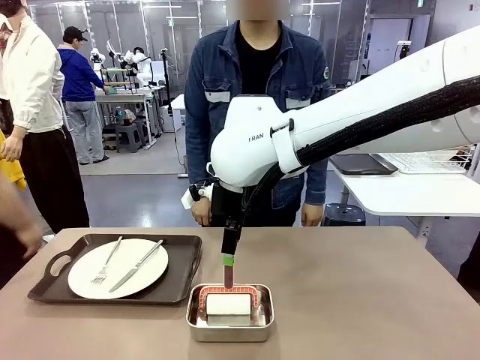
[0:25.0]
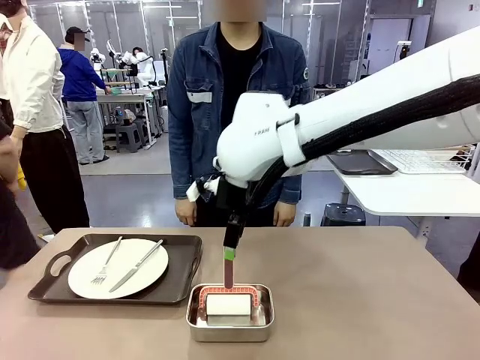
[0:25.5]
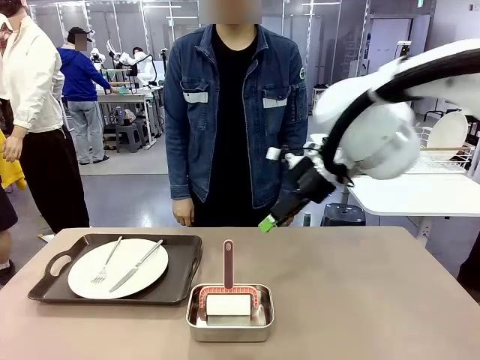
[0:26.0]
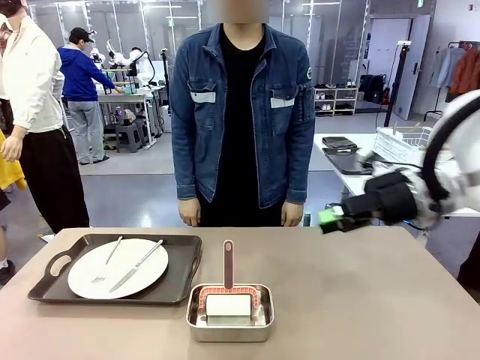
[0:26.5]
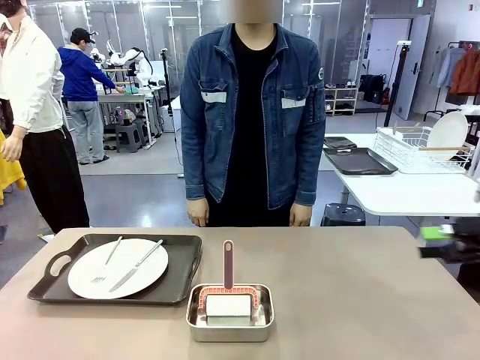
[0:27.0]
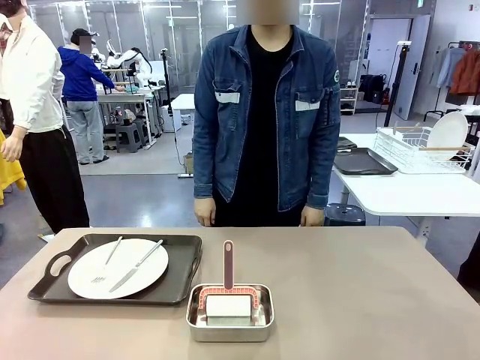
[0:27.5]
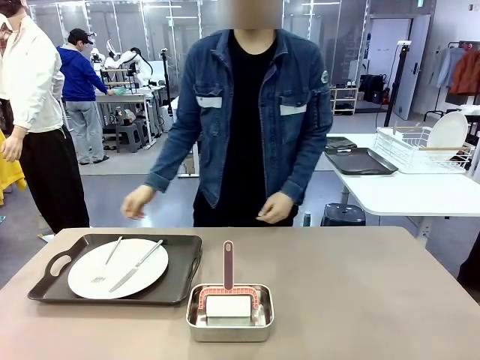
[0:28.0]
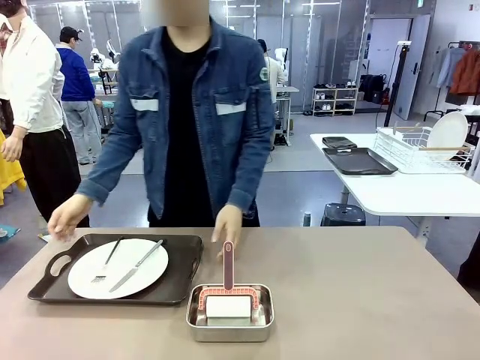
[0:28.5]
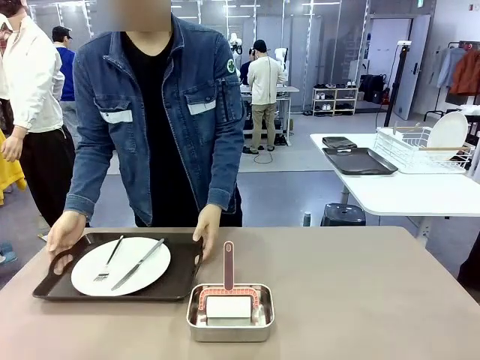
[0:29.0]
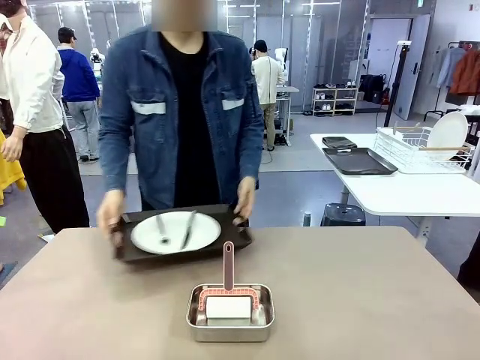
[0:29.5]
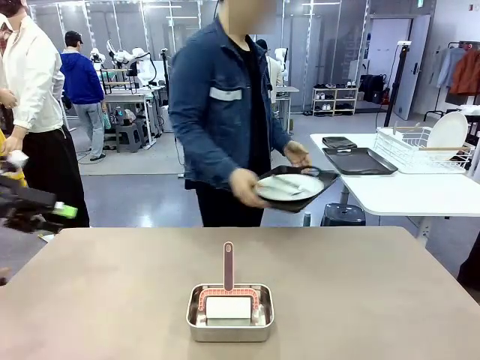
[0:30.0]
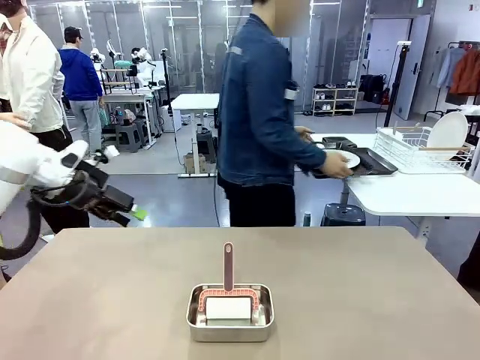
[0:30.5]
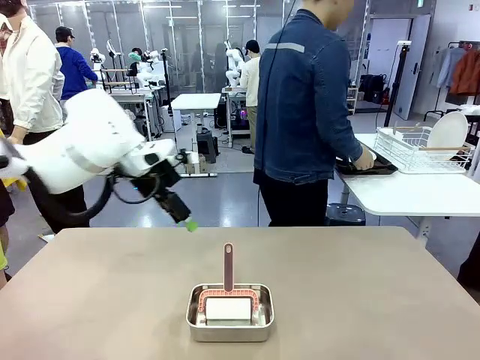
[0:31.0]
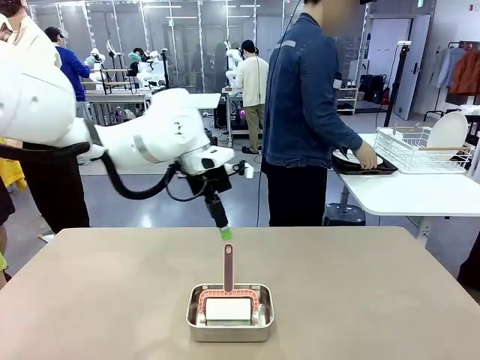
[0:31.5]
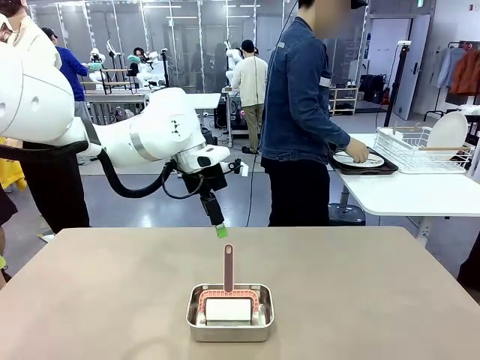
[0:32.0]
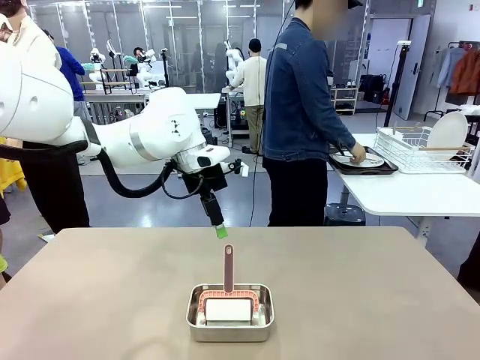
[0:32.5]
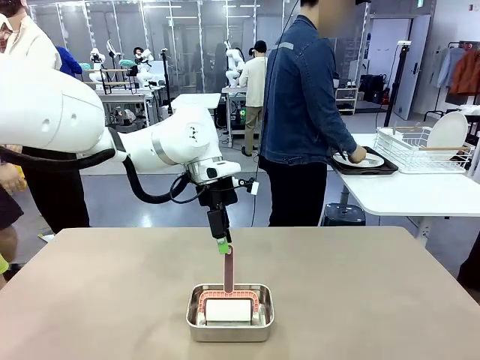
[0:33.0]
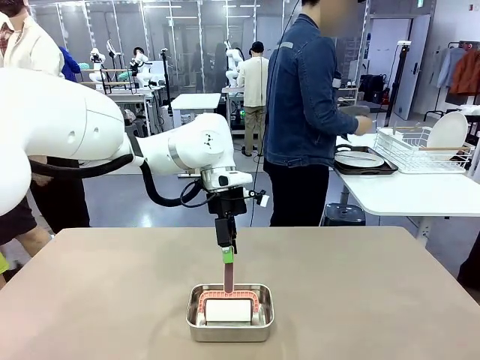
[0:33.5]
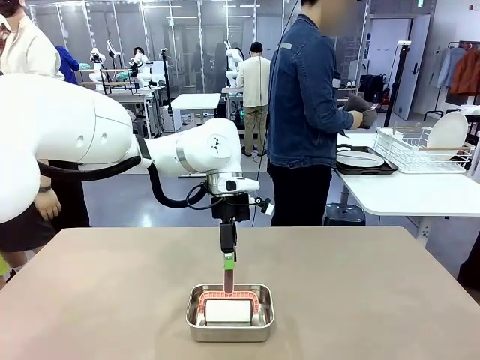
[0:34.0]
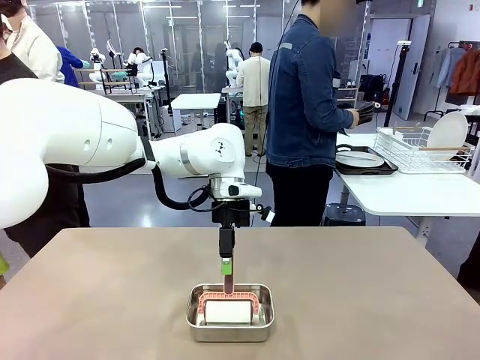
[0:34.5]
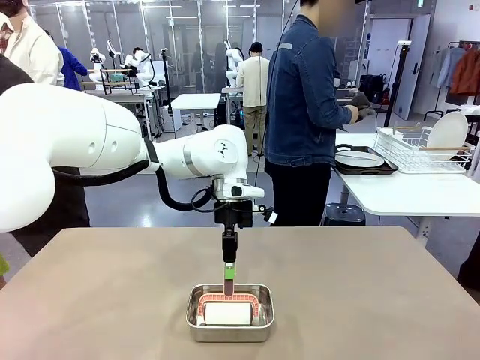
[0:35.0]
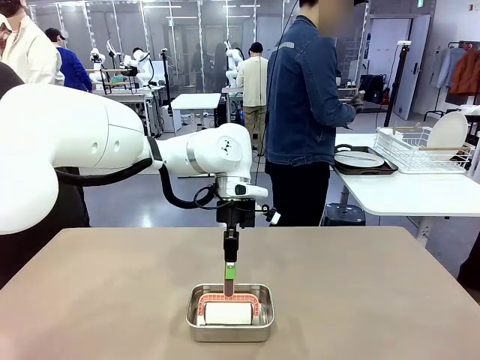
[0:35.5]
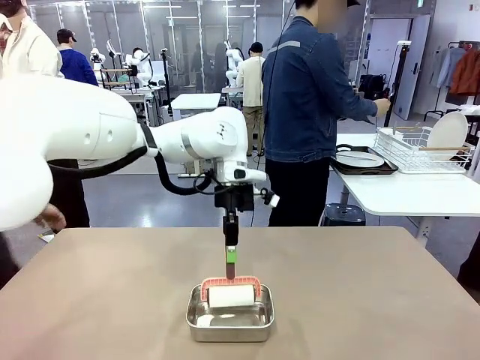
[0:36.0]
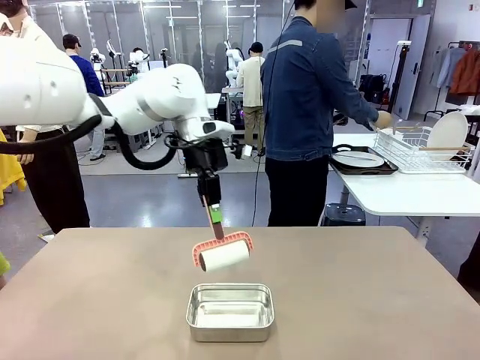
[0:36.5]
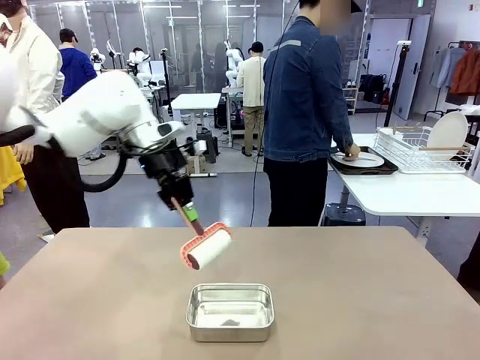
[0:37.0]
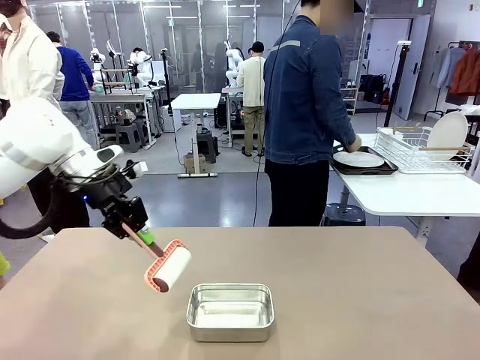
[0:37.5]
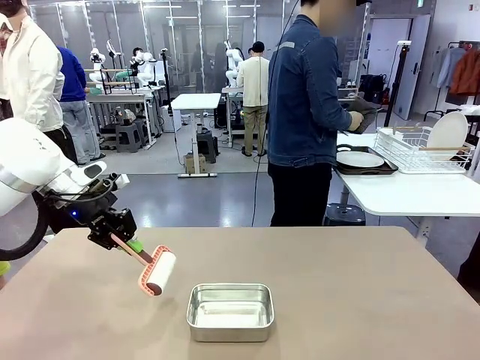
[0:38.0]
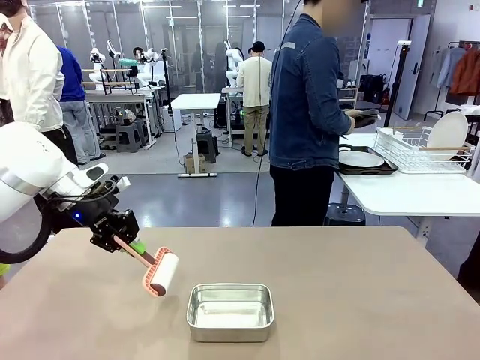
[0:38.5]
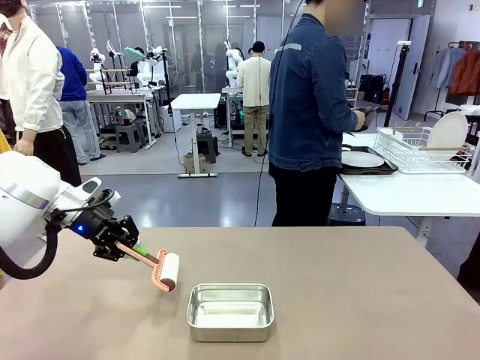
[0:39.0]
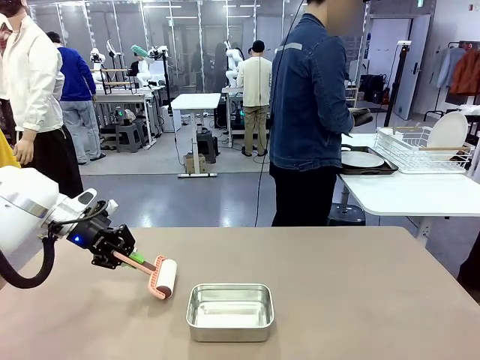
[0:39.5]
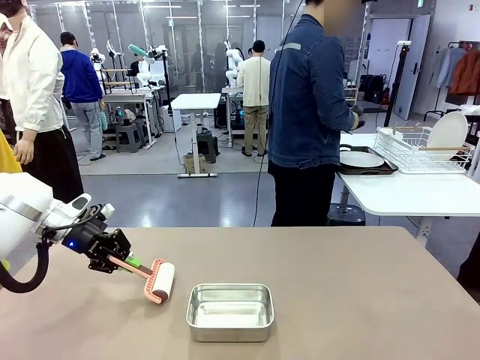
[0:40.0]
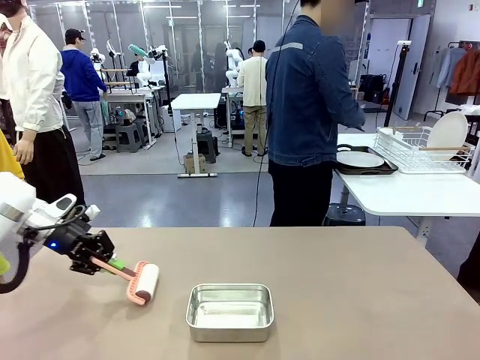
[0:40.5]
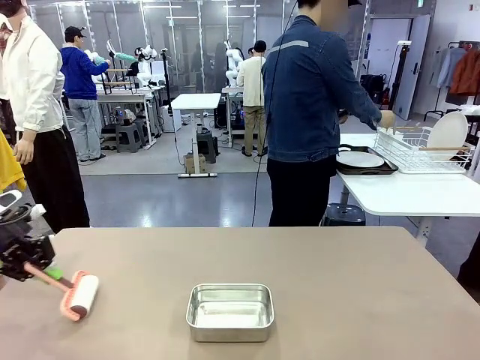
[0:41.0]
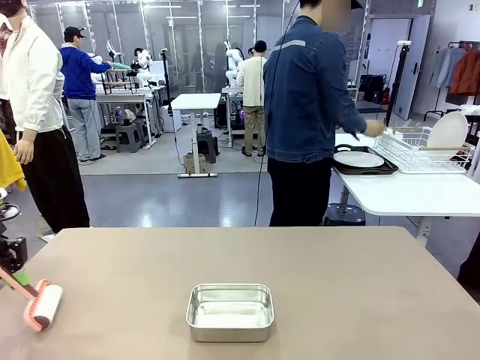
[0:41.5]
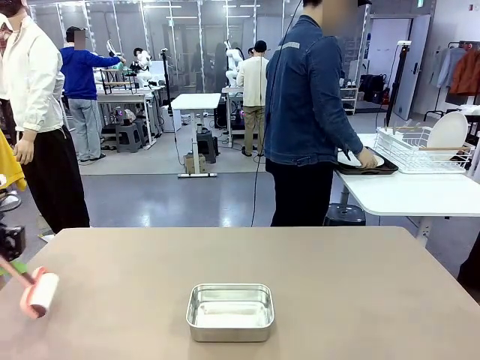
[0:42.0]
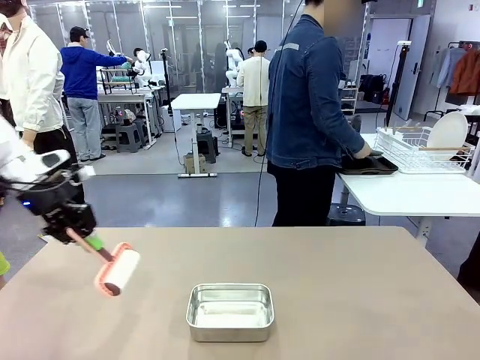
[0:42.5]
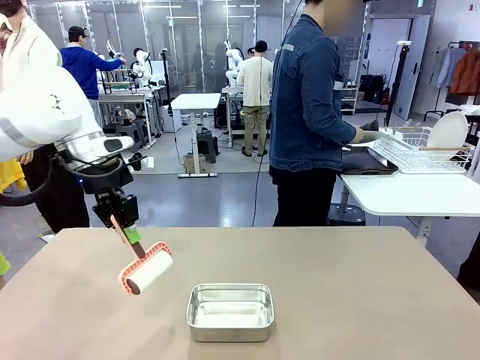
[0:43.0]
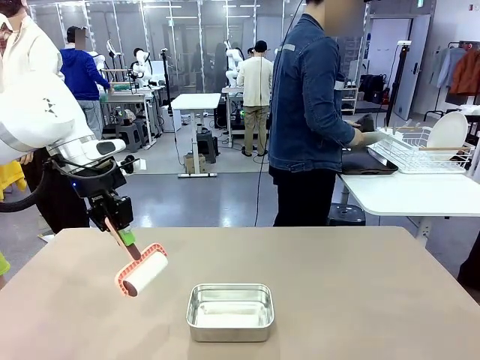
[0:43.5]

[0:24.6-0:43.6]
Robot: When the right (or left) Handle tray is removed, use the right hand (or left hand) to clean the right (or left) side of the table with the Lint Roller.
Person: Pick up the left (or right) Handle tray and place it on the Handle tray. Use the Towel with hook to wipe the Plastic Matte Plate , Fork , and Knife and place into the Dish drying rack.

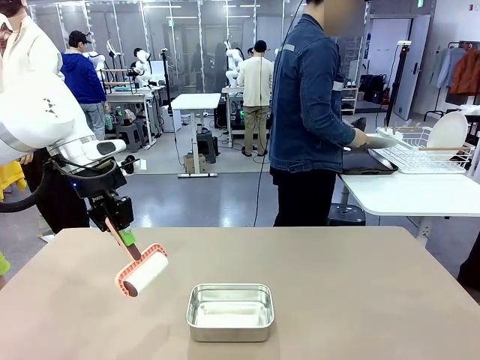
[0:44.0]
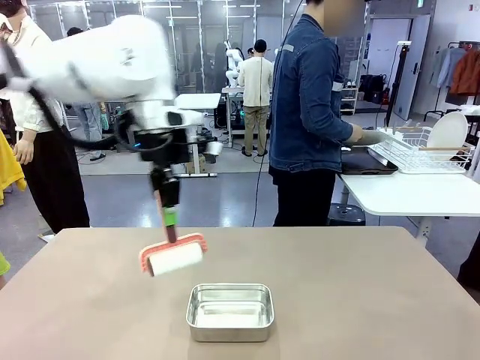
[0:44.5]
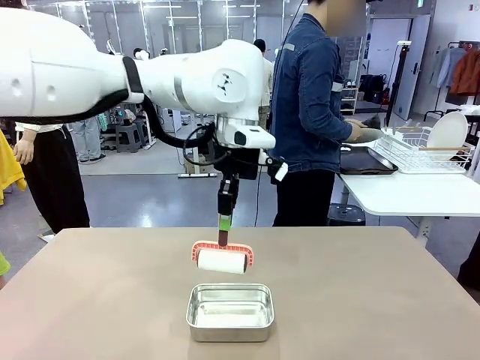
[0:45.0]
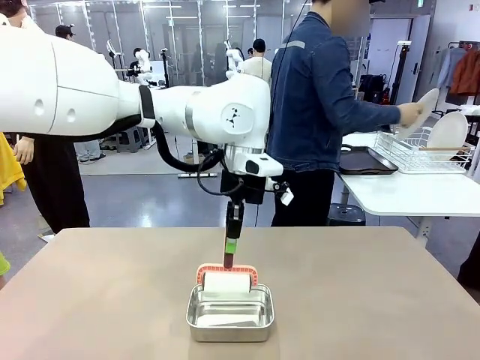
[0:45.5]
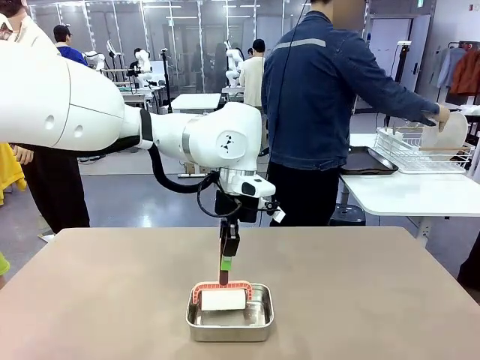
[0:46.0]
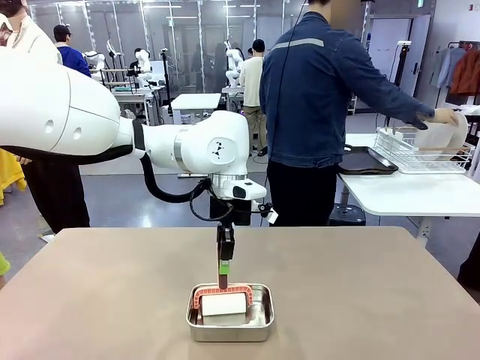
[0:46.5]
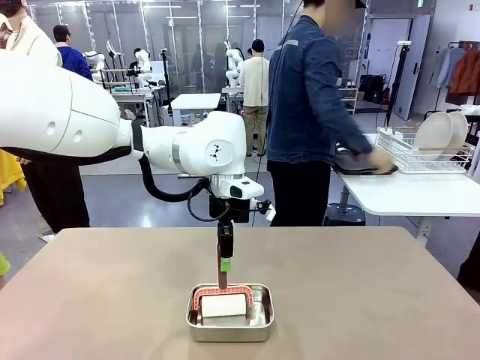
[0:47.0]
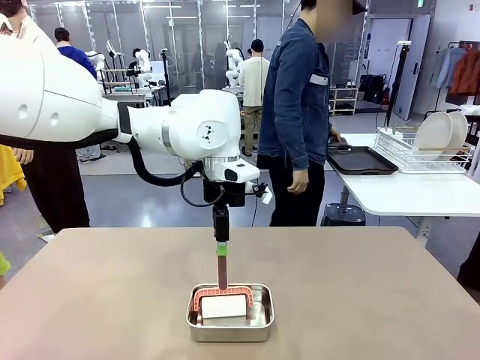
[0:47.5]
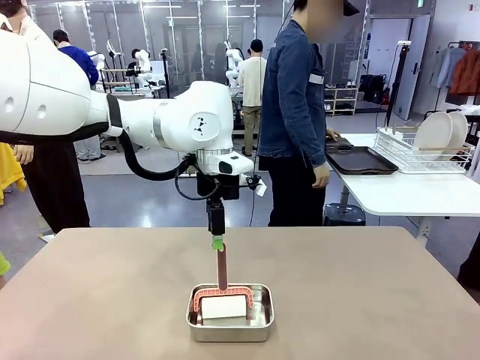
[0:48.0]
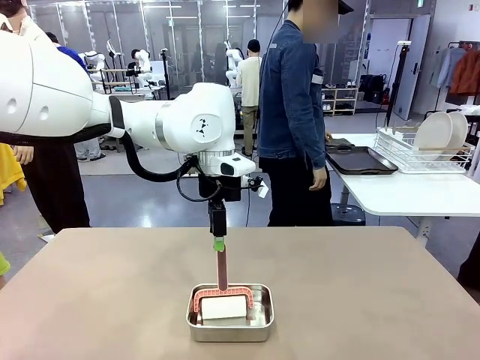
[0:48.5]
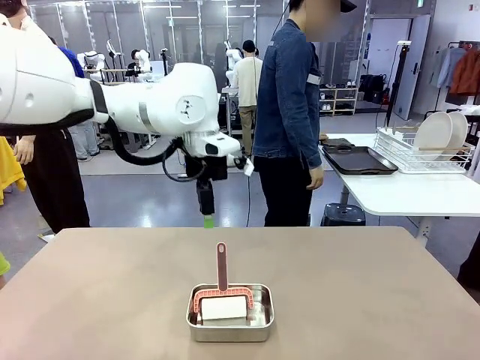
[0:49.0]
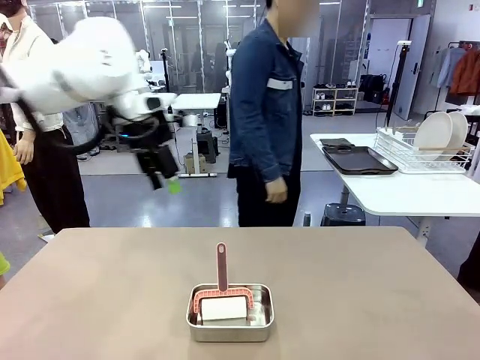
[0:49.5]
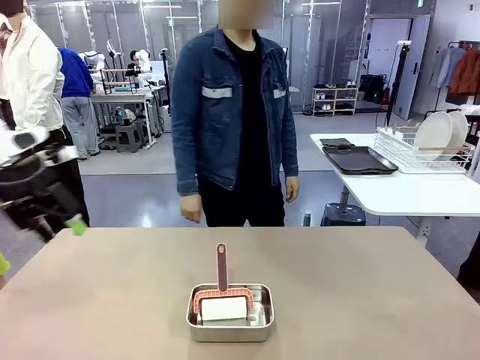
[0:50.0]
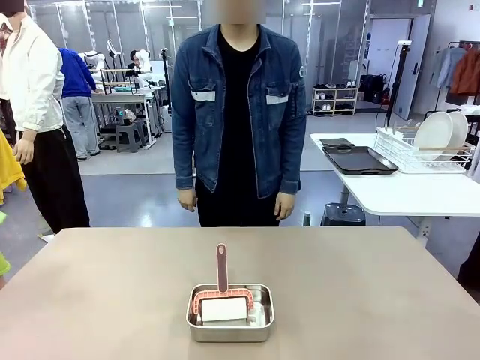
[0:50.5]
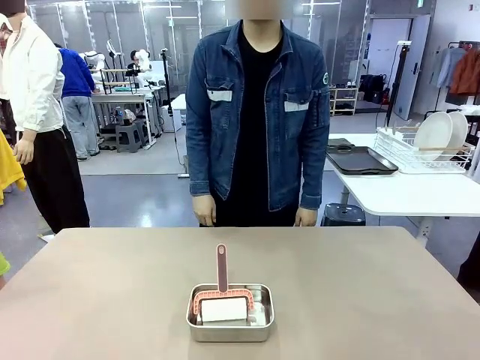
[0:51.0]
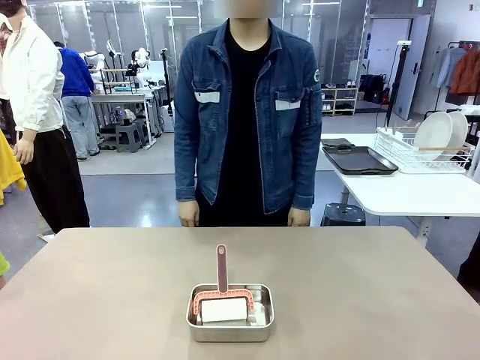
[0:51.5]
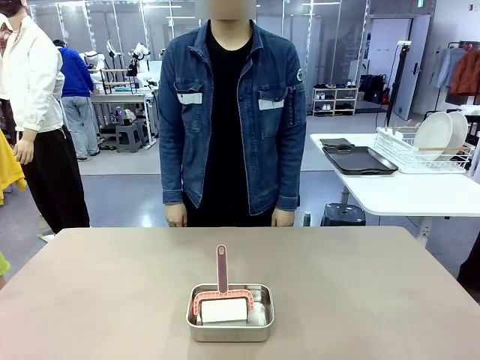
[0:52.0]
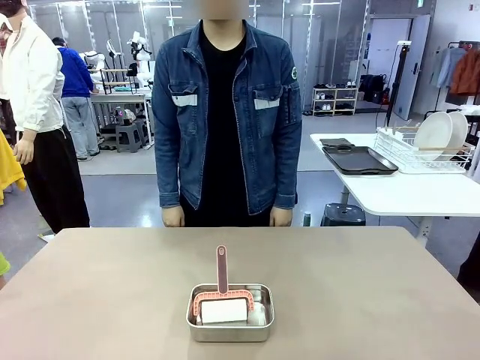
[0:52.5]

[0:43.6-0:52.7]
Robot: Place the Lint Roller back on top of the Airtight Container.
